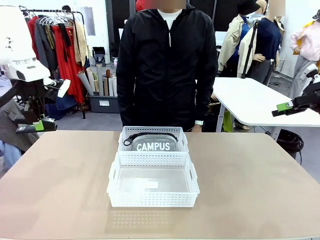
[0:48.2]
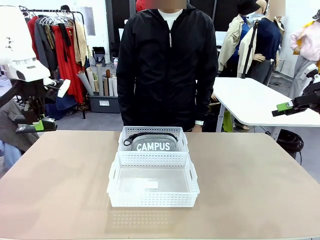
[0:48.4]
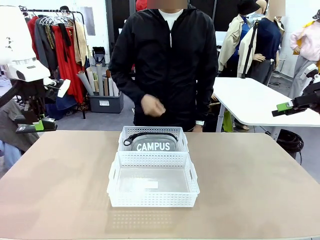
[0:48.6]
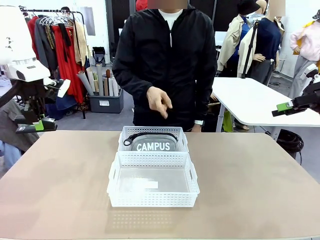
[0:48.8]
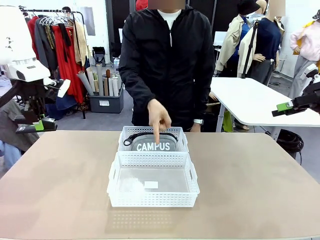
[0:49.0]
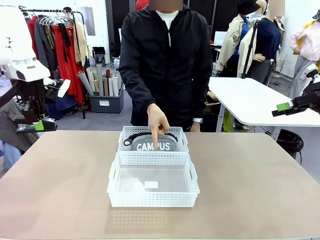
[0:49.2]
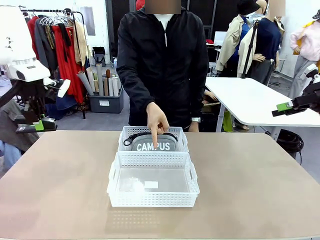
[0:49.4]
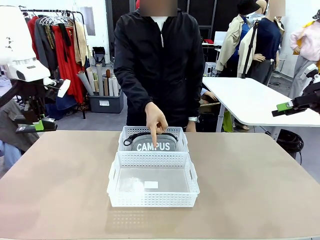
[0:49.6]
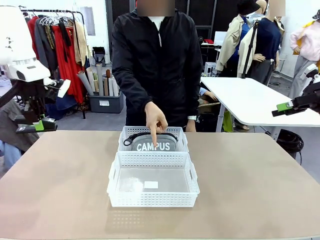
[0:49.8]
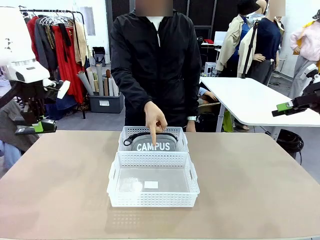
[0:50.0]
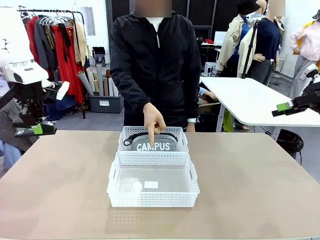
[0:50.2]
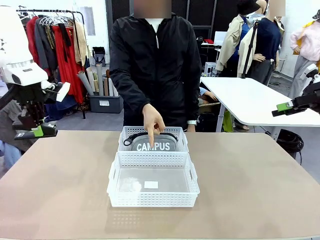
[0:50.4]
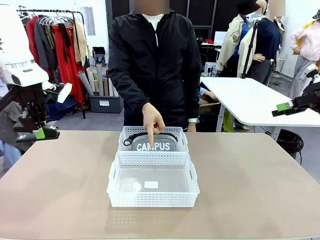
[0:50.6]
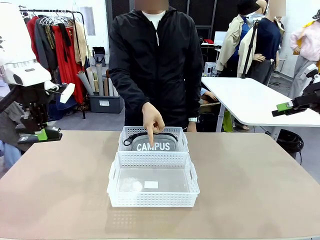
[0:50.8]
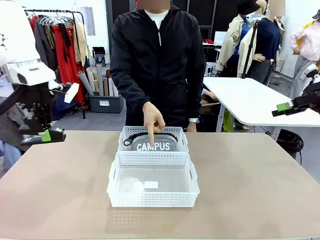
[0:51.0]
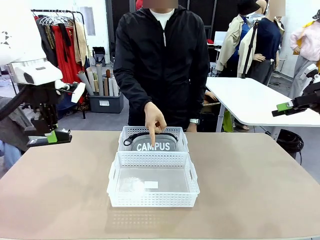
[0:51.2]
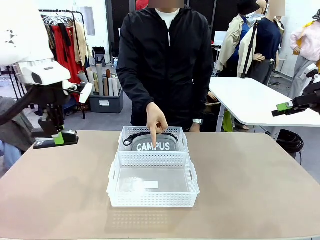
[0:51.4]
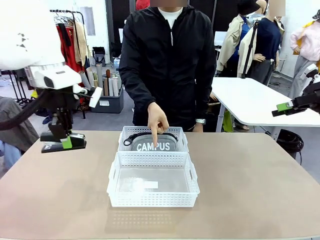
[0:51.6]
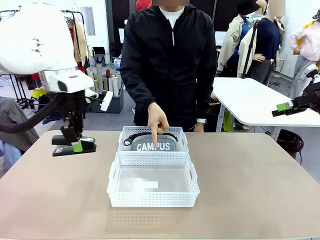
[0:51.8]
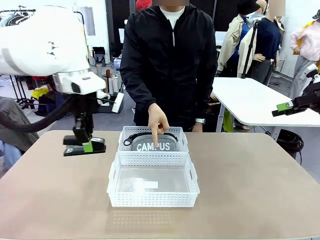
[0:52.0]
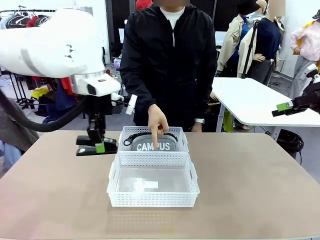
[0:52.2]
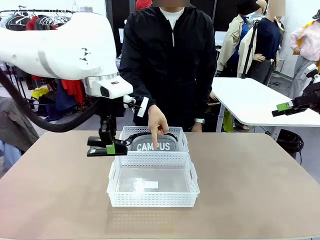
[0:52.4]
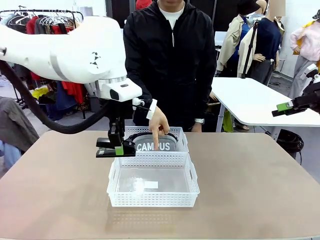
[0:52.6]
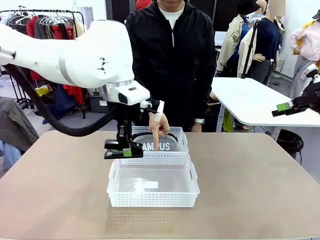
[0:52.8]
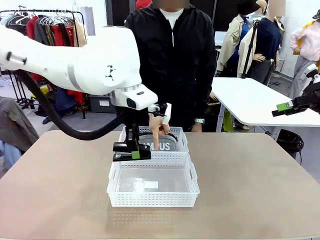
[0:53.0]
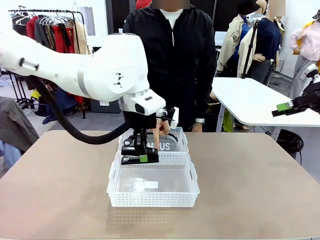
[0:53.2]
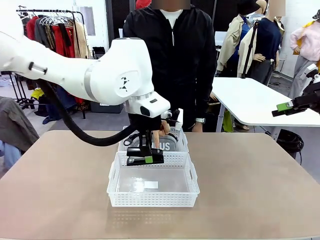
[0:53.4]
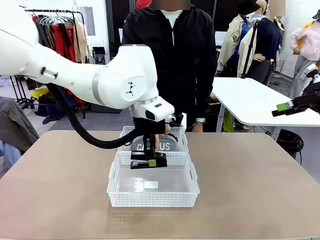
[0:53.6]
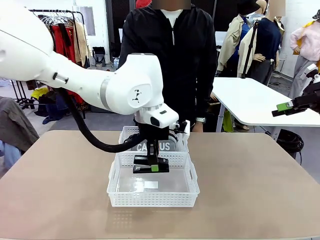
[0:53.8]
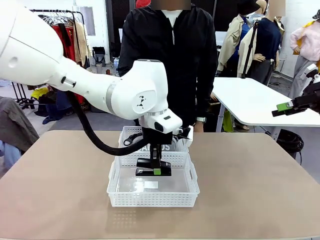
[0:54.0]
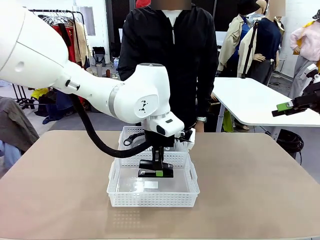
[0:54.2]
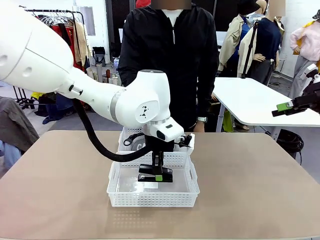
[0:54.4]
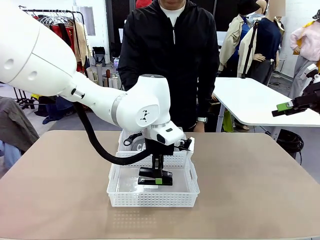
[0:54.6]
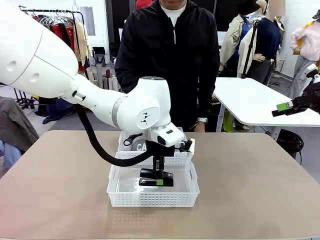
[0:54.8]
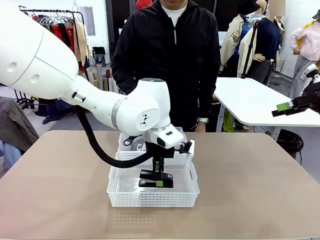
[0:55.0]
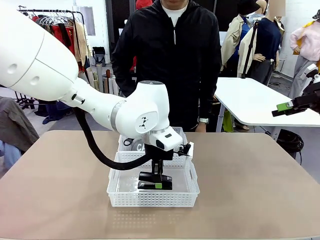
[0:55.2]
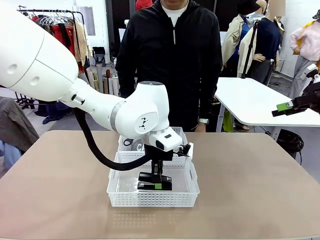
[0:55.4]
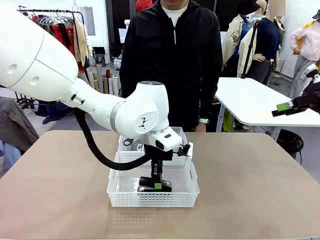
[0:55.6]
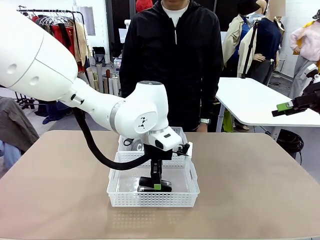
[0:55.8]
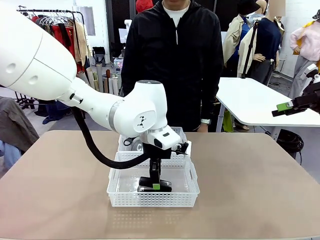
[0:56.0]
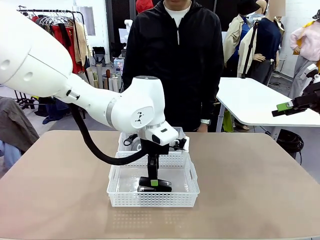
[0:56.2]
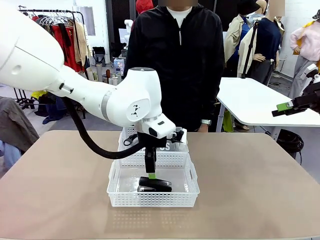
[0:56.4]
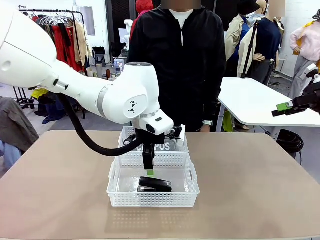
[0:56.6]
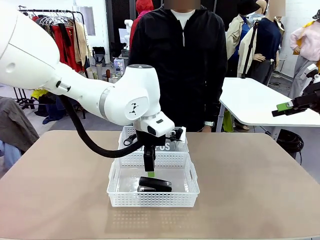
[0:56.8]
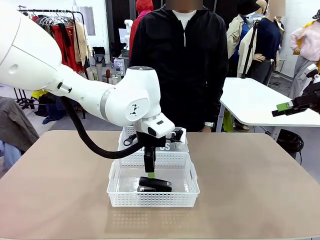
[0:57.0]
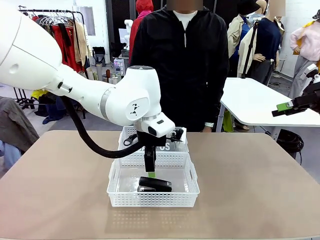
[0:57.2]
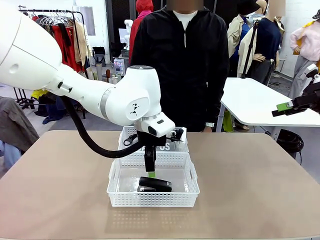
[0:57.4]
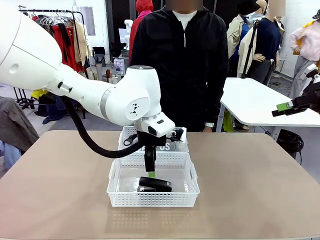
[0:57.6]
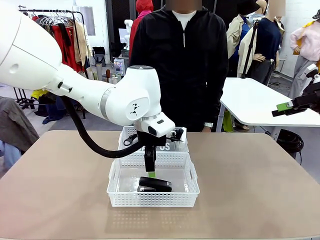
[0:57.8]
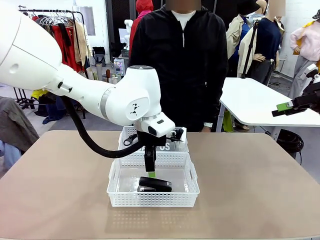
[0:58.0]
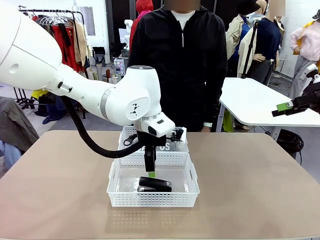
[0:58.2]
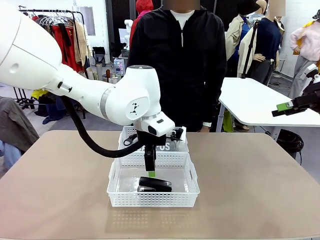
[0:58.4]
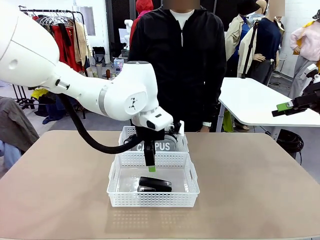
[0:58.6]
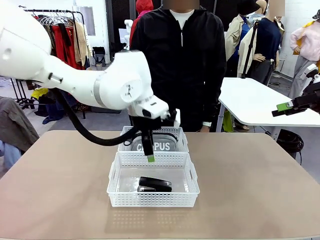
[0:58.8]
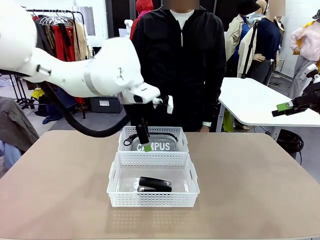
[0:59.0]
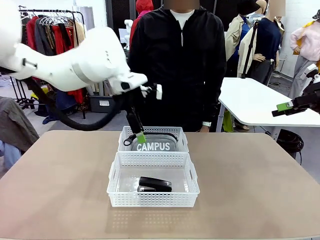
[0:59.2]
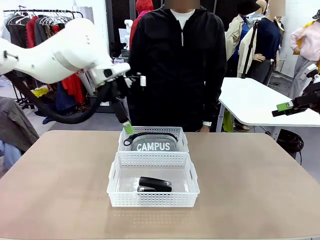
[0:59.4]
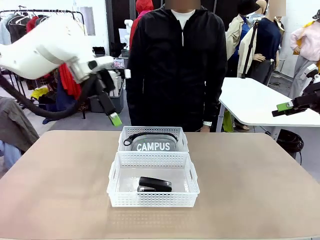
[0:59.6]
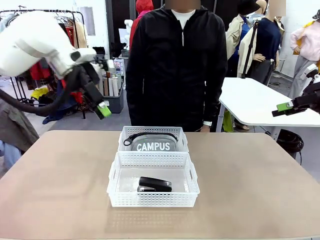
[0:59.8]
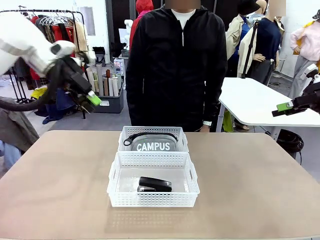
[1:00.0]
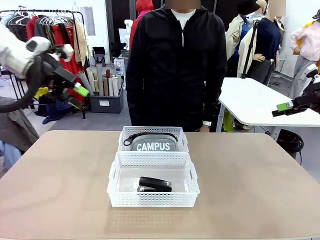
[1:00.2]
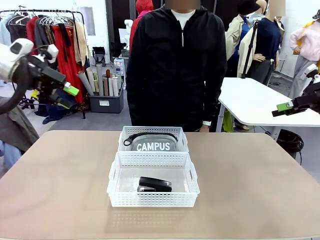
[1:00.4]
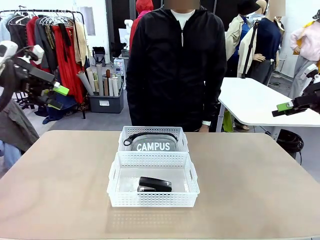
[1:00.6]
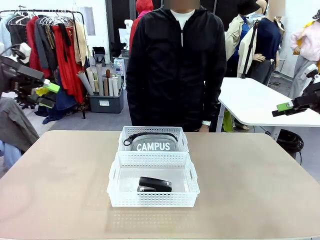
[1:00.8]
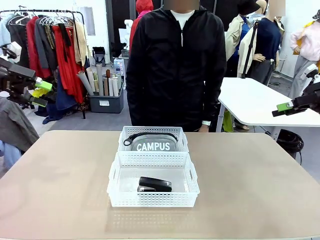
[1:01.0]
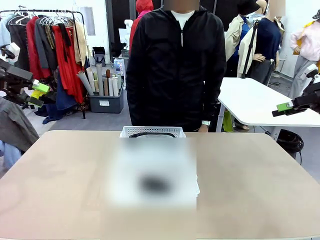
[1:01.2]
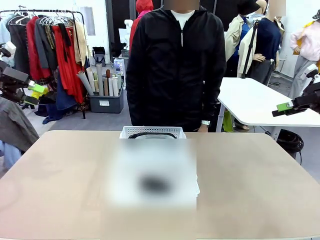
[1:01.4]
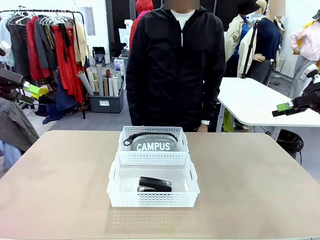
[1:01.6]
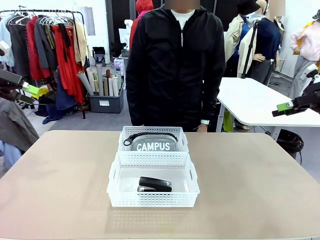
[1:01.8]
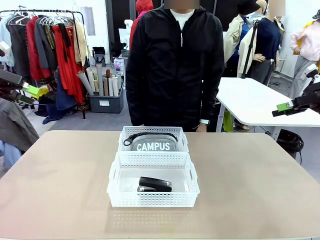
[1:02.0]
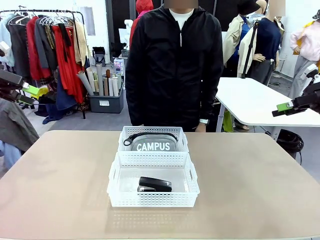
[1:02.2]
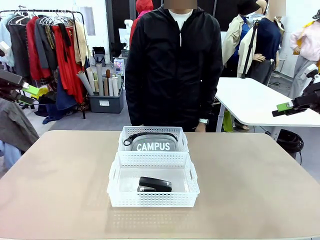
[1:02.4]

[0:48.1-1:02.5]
Task: Distribute items into two baskets.
Robot: Place the picked Stapler into the Organizing basket as instructed by the person.
Person: Points to the basket that does not contain the pencil case and instructs the robot to move the stapler there.
